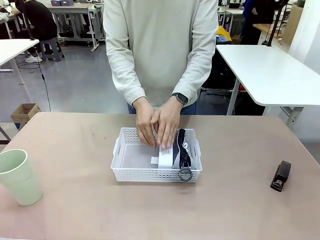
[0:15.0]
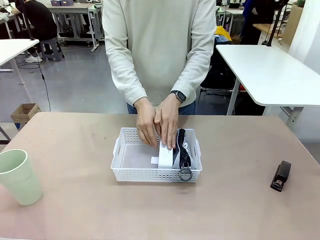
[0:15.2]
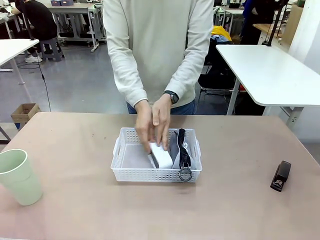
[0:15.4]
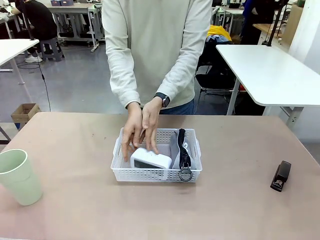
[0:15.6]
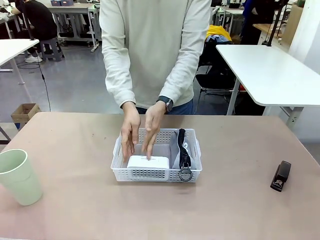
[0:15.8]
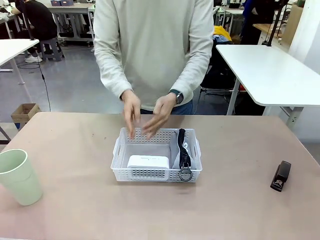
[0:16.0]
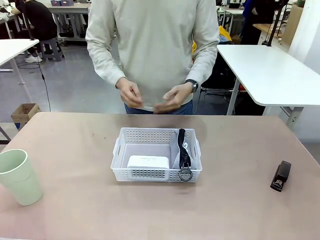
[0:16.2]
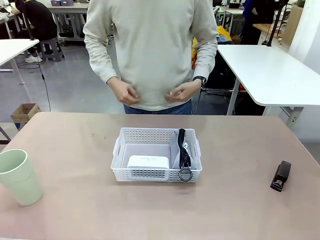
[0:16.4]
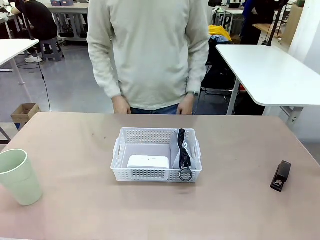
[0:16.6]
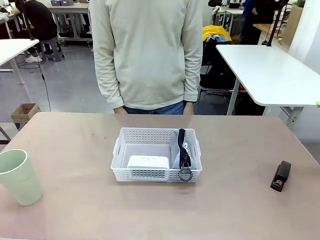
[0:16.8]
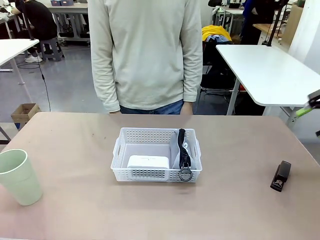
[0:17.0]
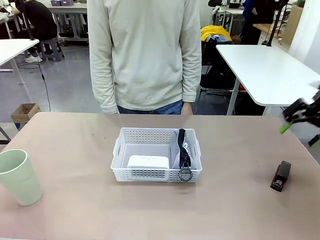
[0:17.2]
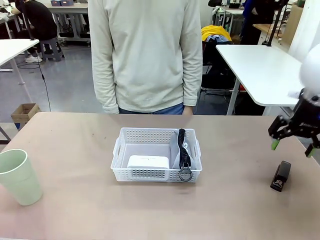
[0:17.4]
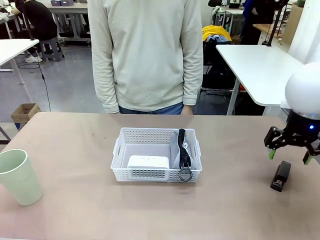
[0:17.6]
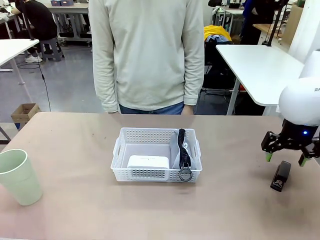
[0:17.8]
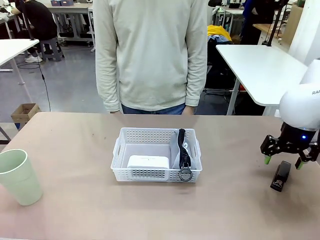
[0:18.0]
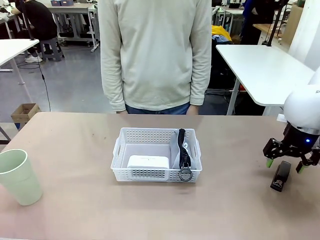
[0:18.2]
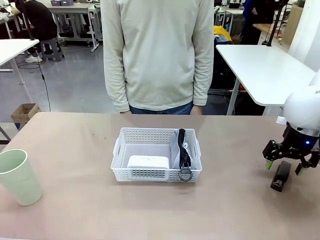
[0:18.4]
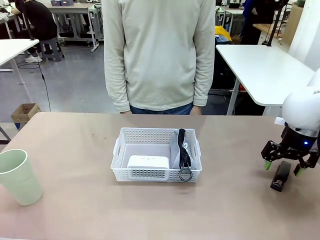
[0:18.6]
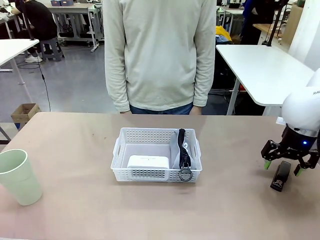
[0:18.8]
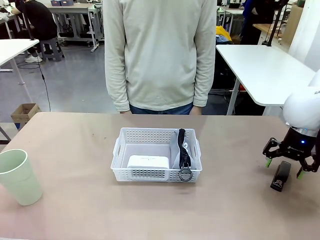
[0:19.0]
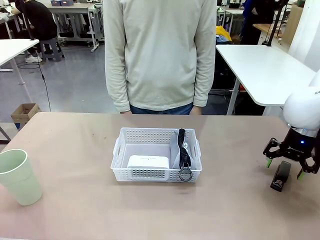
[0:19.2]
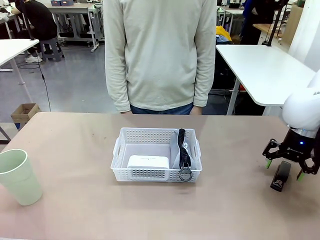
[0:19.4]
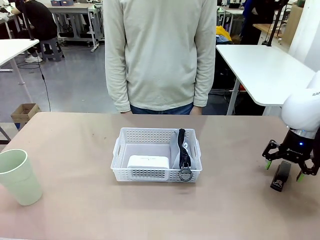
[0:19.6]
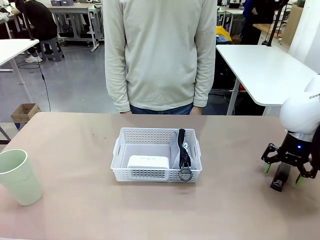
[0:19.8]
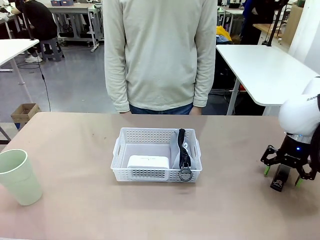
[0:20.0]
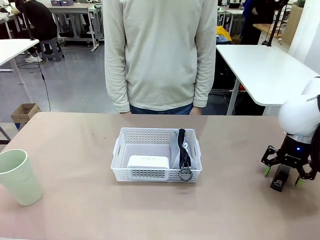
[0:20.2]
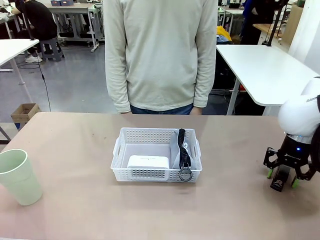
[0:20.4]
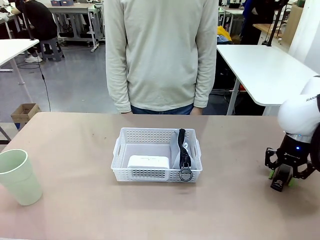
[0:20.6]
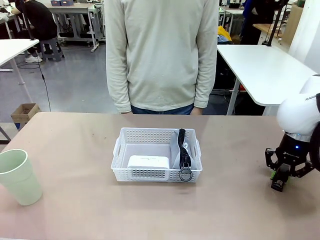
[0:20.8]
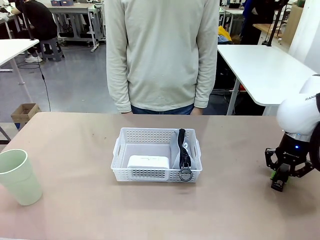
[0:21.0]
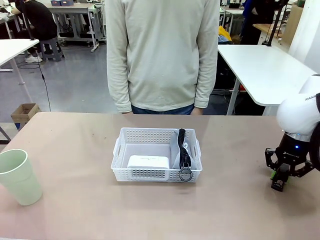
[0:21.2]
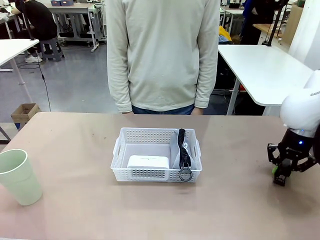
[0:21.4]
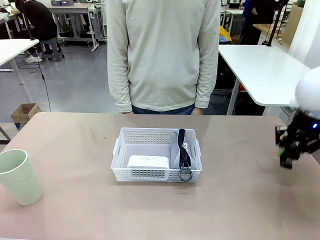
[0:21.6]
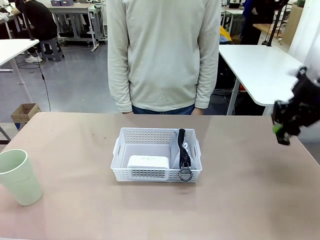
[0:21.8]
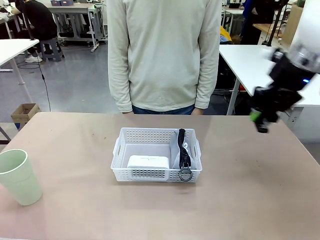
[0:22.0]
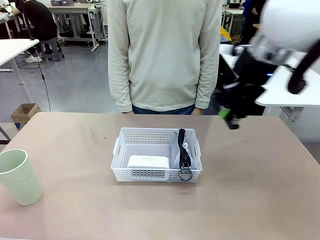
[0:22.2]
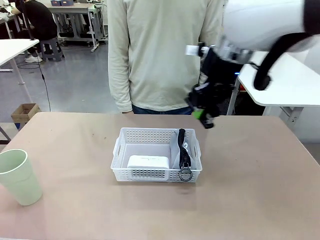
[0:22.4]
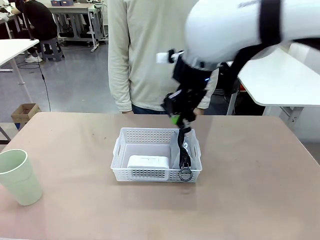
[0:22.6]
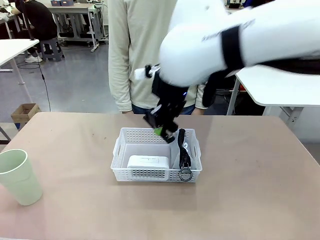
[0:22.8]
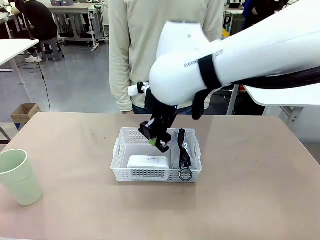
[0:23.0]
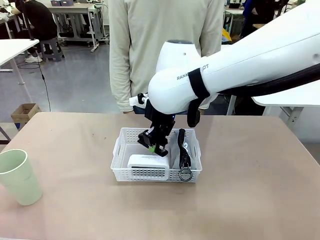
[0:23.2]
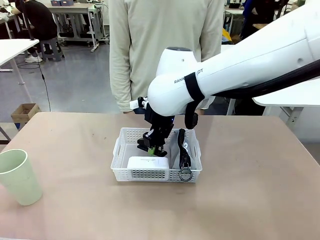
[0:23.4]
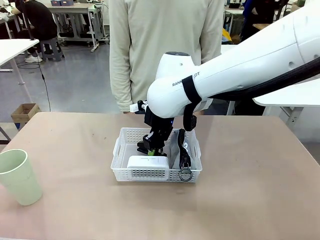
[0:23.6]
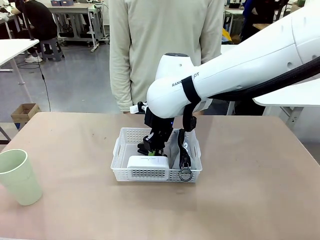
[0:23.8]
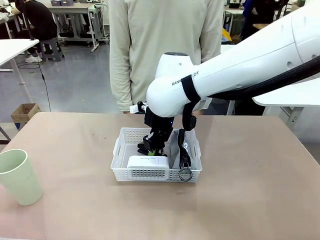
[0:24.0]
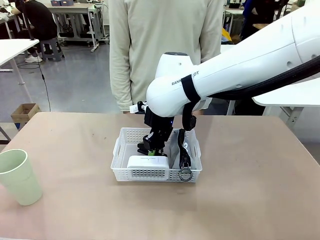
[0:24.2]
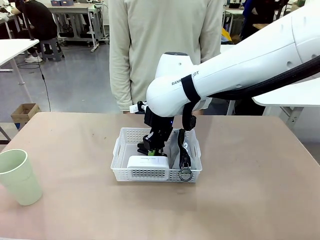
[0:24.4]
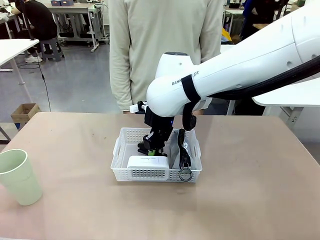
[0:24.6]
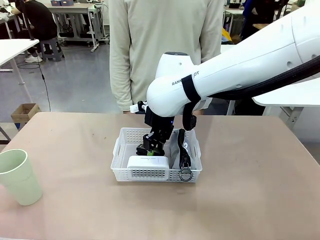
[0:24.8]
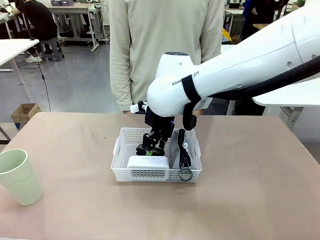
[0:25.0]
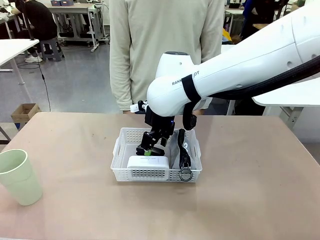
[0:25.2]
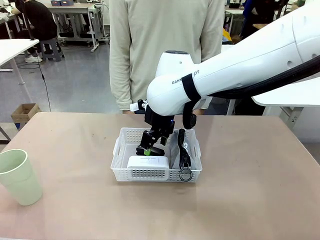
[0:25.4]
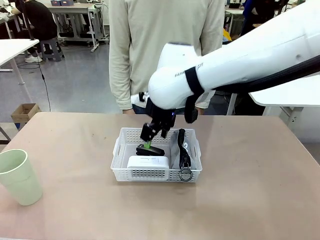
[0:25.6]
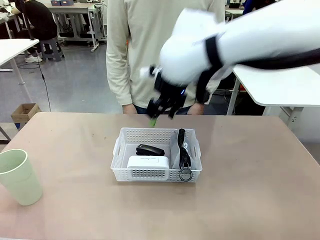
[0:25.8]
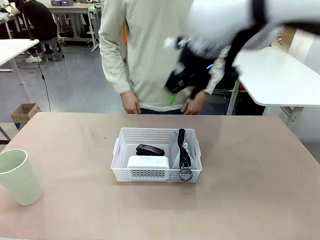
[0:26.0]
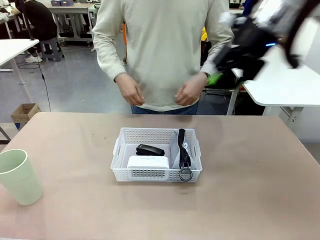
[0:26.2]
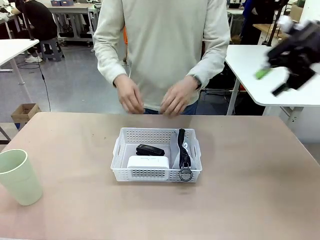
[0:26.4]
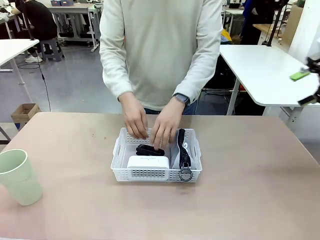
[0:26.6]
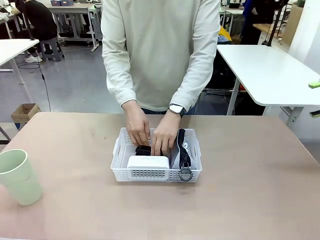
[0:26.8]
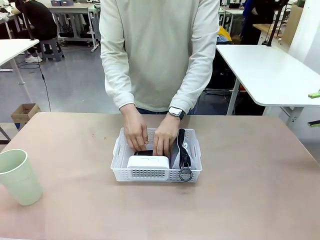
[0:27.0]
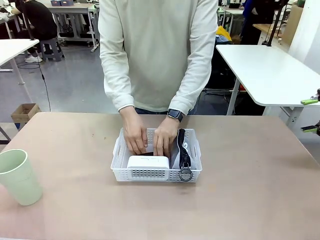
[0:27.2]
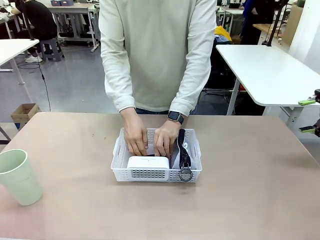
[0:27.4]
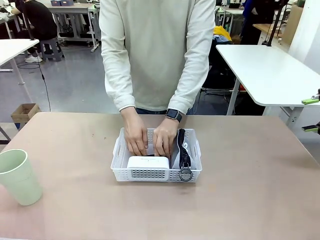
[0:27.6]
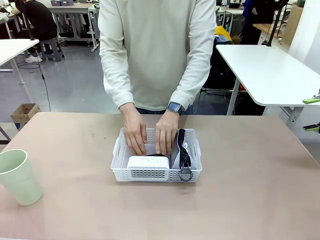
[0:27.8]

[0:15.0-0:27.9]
Task: Efficiently arrange items inside the basket to fit them all.
Robot: Pick up the Stapler and place it inside the Organizing basket.

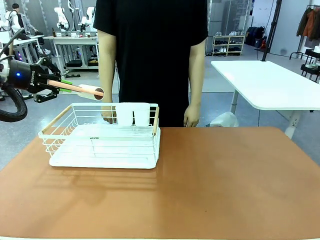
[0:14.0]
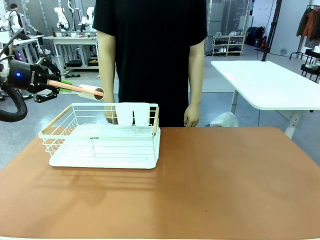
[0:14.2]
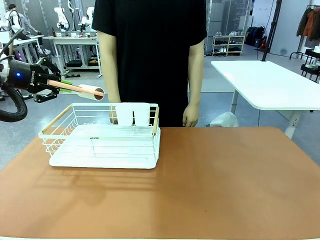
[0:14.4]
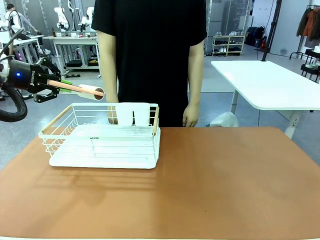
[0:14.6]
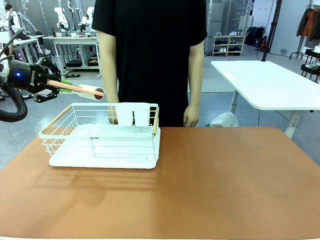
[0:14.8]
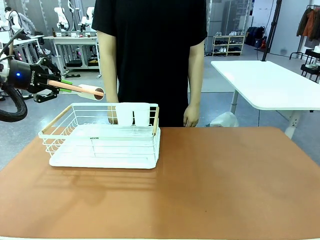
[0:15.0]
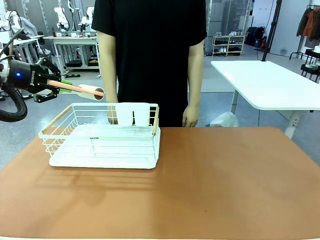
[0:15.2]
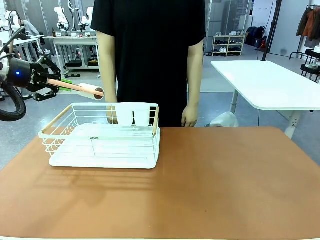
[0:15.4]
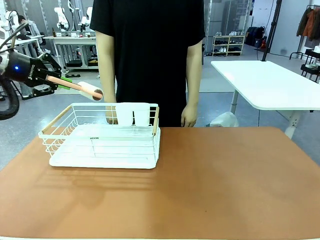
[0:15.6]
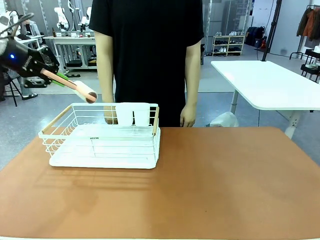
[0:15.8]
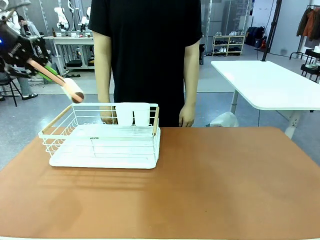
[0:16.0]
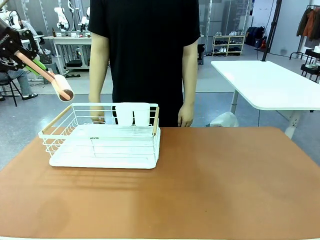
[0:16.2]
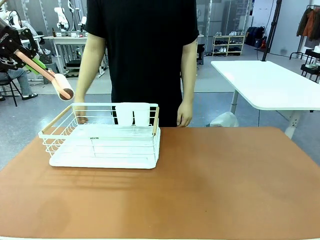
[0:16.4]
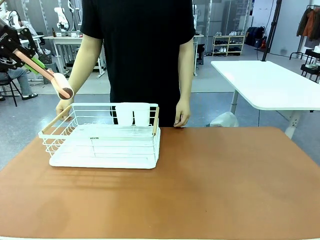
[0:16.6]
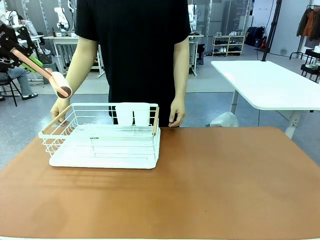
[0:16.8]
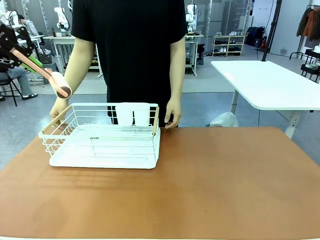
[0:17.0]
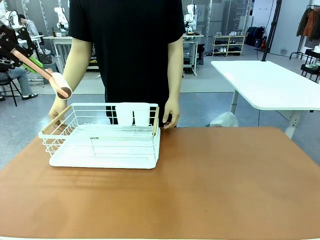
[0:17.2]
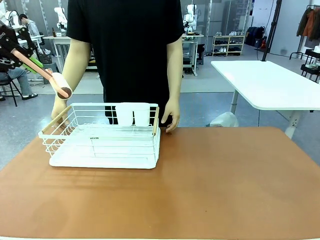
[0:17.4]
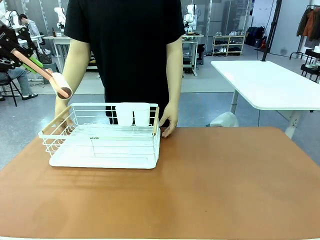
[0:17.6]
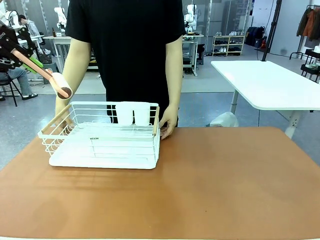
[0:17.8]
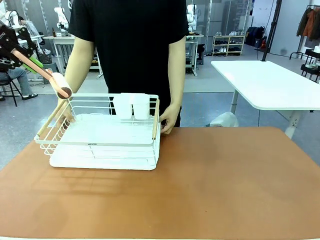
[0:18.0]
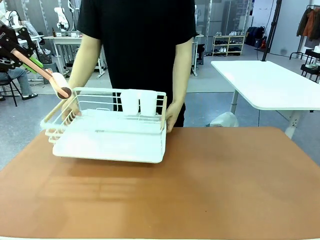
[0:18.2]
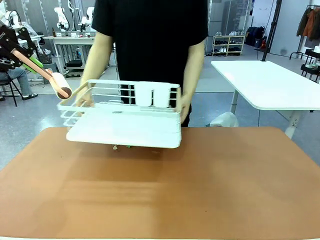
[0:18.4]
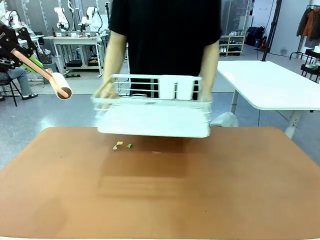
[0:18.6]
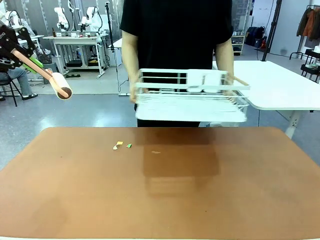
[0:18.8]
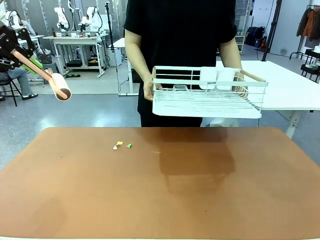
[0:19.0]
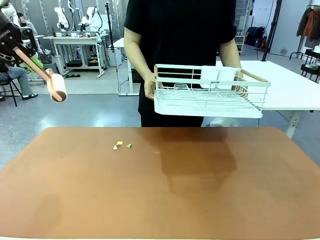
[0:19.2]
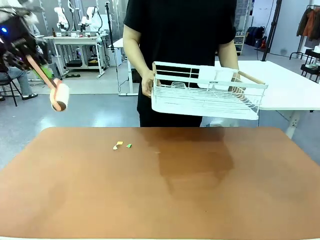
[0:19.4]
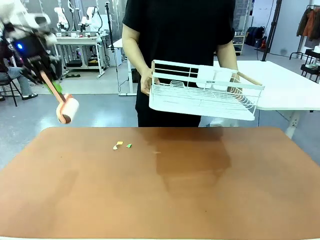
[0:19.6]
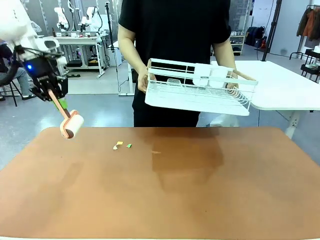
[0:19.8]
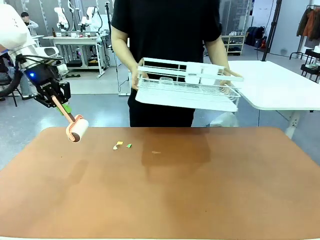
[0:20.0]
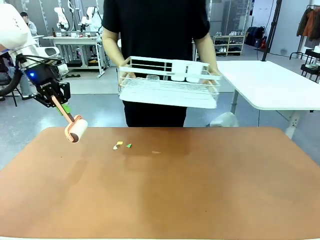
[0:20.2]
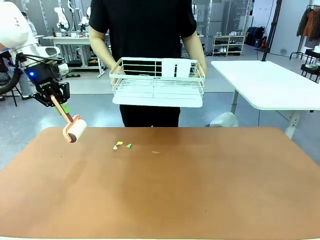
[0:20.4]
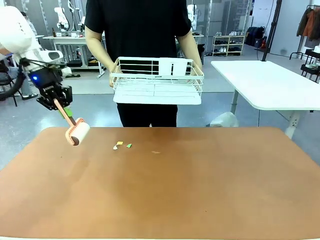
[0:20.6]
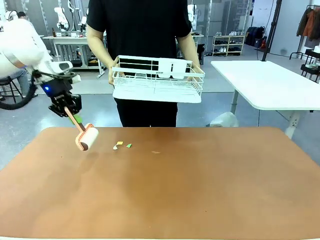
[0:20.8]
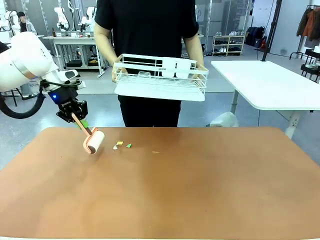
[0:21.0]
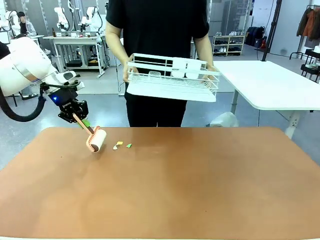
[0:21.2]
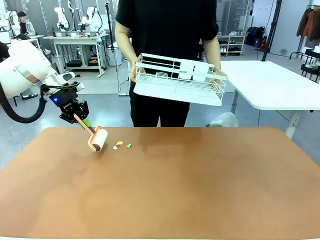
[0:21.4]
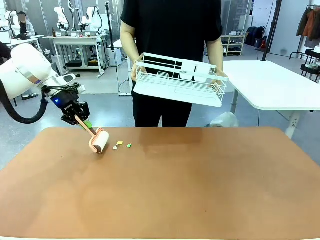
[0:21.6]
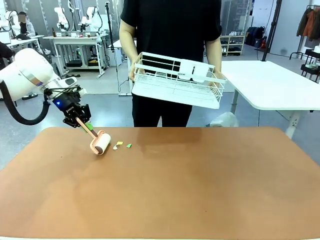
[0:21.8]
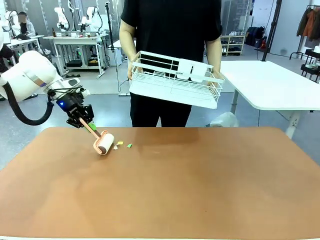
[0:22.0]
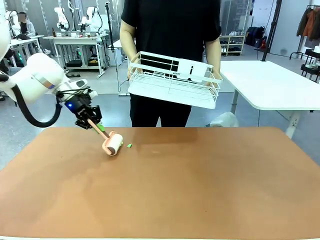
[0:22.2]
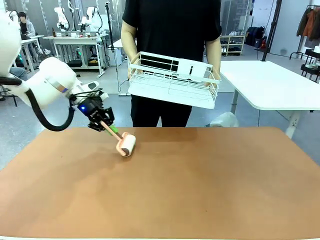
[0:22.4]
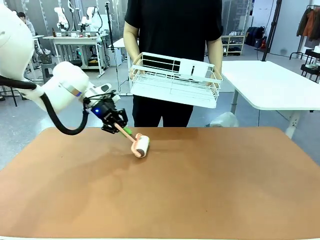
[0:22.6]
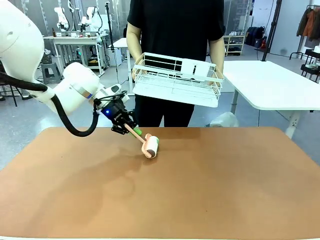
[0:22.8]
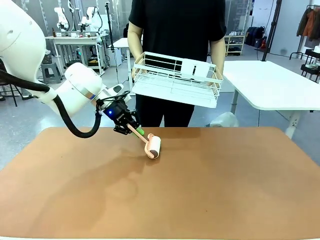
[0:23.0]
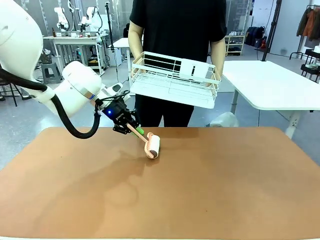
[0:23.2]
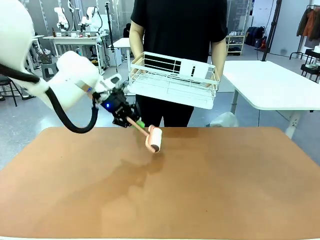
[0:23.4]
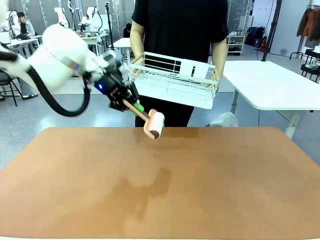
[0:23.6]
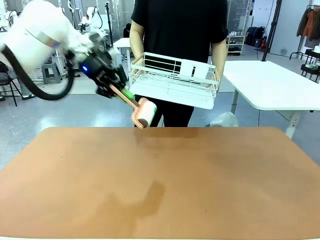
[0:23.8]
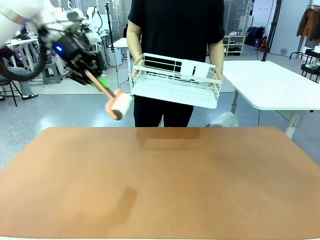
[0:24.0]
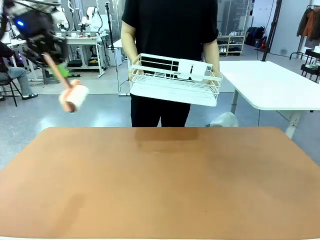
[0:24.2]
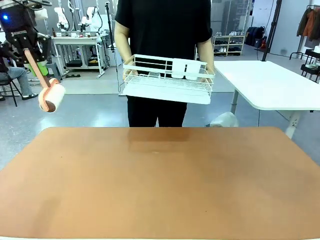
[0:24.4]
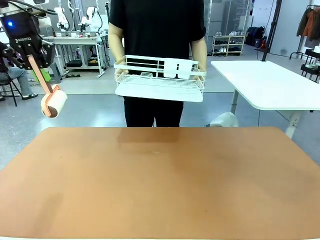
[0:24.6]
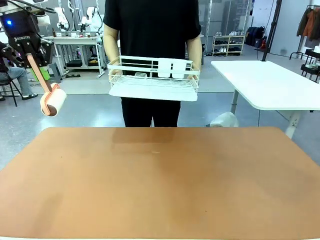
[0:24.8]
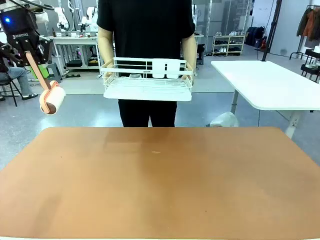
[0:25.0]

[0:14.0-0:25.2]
Task: Clean the table.
Robot: Clean the table with the Lint Roller when the human lifts the Dish drying rack.
